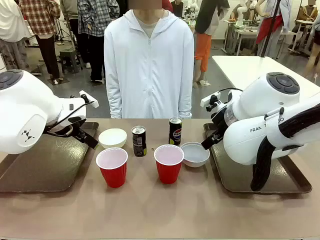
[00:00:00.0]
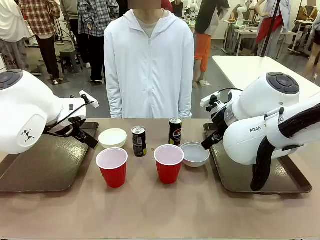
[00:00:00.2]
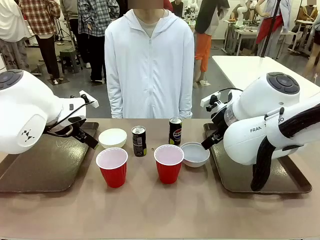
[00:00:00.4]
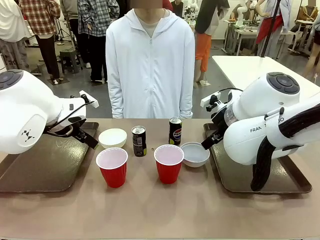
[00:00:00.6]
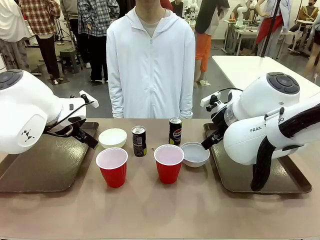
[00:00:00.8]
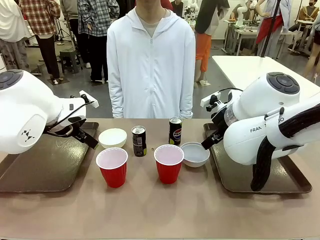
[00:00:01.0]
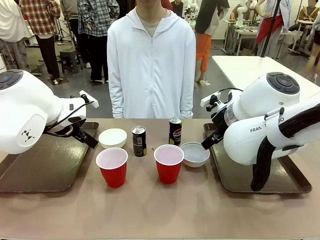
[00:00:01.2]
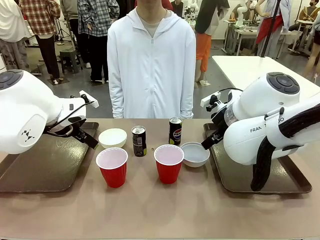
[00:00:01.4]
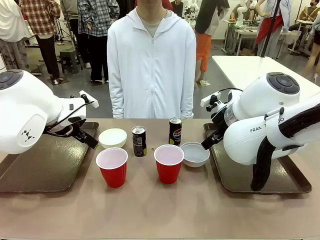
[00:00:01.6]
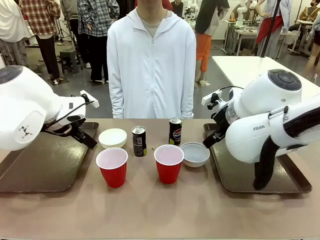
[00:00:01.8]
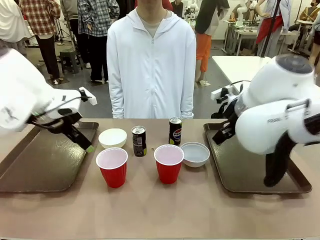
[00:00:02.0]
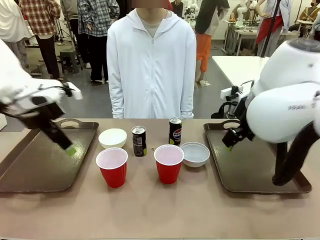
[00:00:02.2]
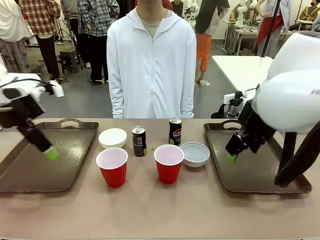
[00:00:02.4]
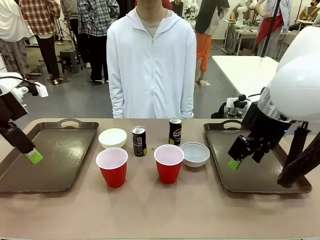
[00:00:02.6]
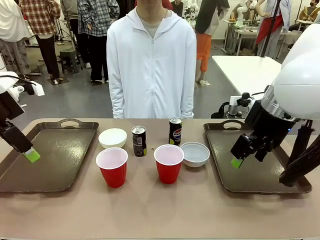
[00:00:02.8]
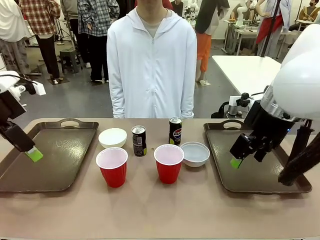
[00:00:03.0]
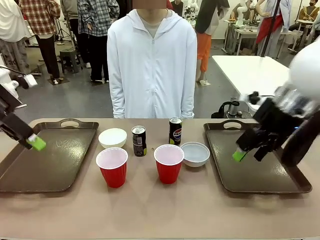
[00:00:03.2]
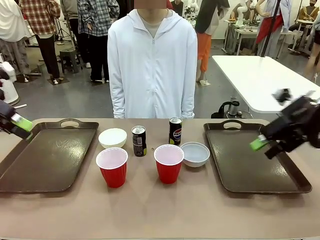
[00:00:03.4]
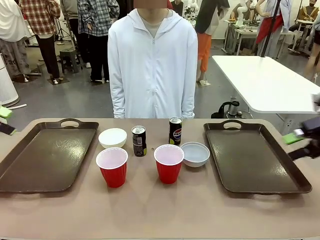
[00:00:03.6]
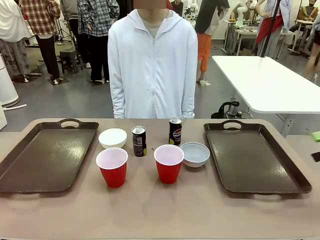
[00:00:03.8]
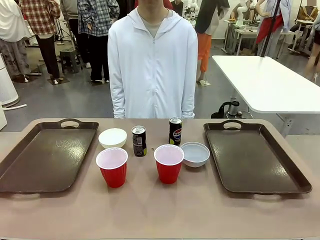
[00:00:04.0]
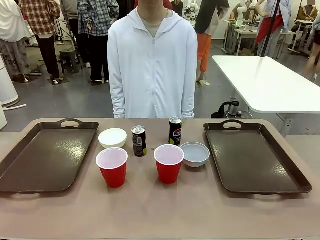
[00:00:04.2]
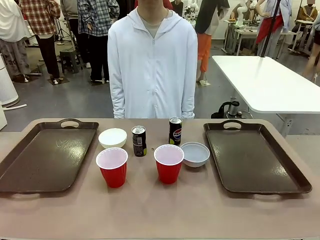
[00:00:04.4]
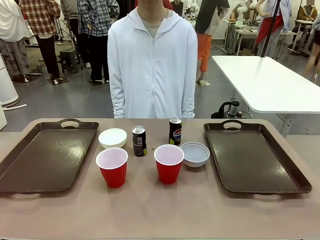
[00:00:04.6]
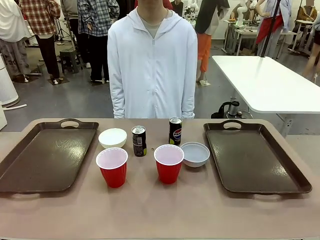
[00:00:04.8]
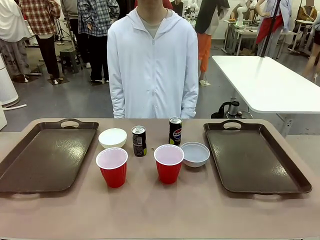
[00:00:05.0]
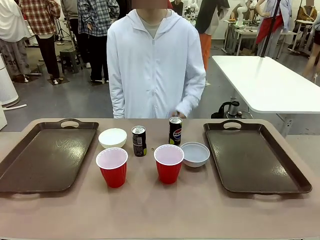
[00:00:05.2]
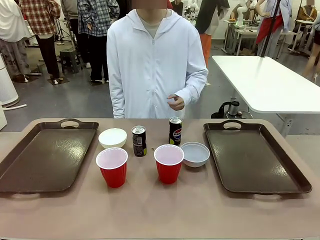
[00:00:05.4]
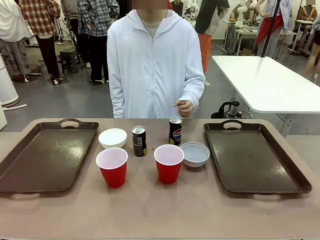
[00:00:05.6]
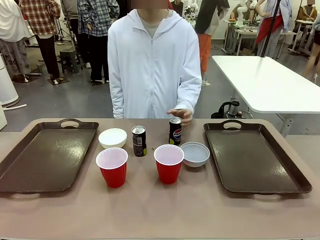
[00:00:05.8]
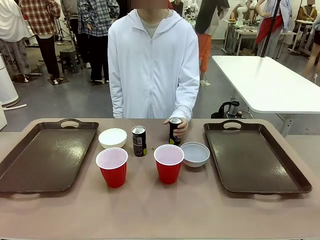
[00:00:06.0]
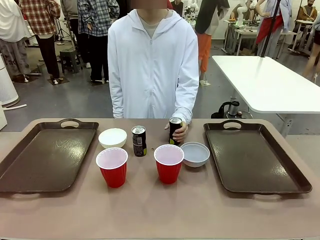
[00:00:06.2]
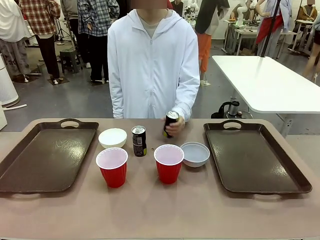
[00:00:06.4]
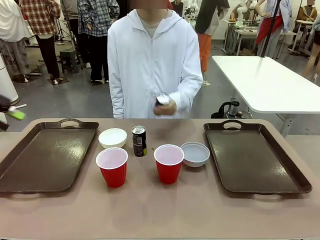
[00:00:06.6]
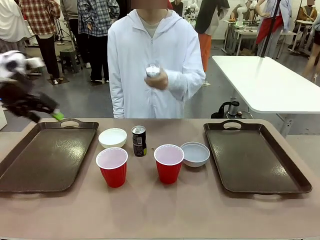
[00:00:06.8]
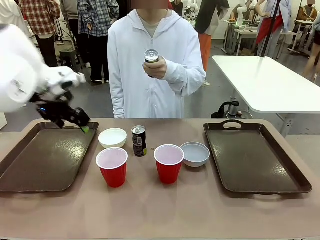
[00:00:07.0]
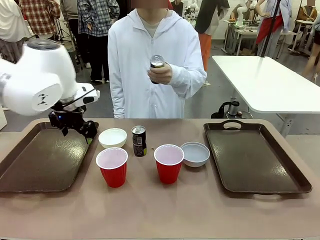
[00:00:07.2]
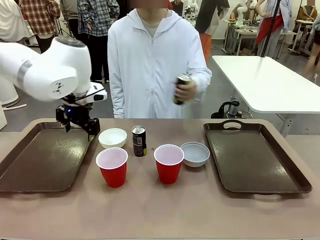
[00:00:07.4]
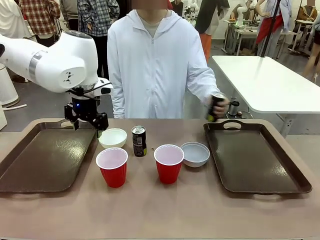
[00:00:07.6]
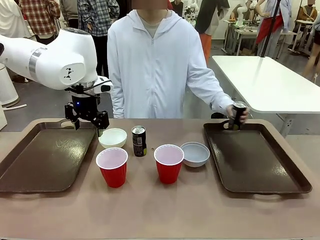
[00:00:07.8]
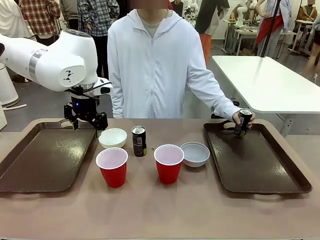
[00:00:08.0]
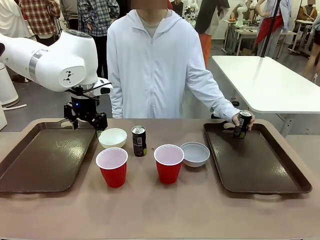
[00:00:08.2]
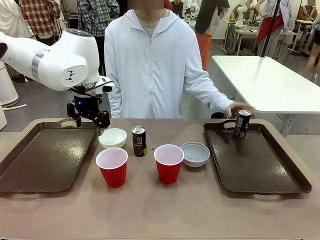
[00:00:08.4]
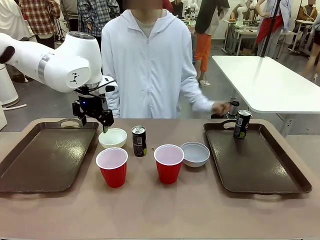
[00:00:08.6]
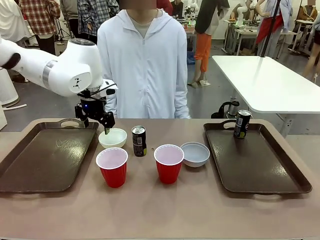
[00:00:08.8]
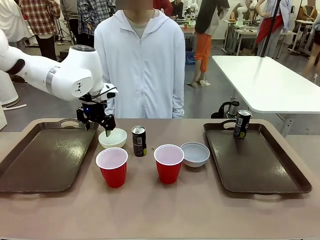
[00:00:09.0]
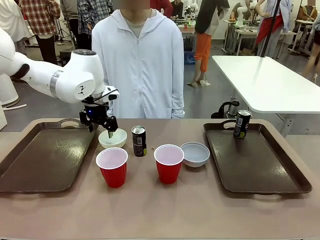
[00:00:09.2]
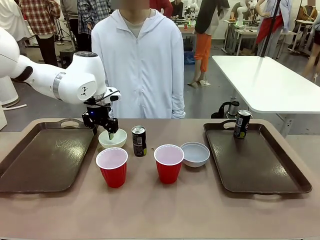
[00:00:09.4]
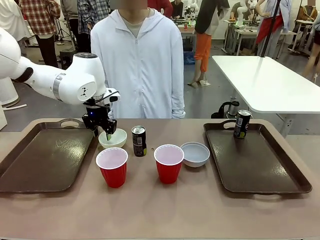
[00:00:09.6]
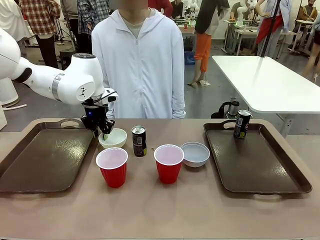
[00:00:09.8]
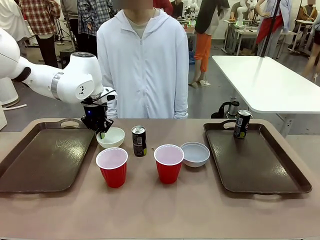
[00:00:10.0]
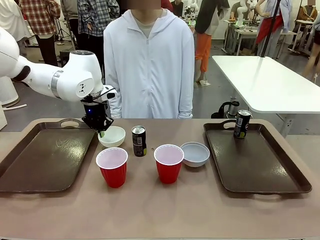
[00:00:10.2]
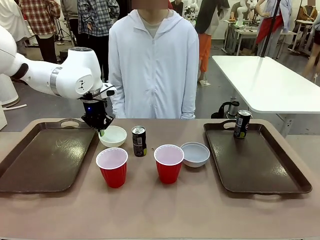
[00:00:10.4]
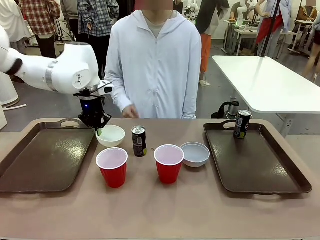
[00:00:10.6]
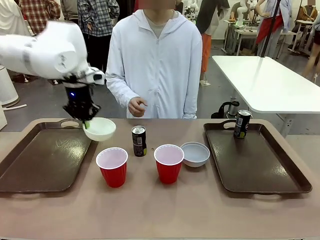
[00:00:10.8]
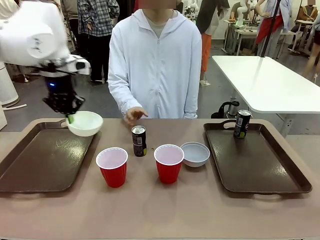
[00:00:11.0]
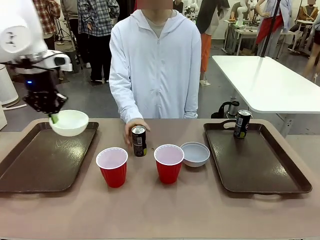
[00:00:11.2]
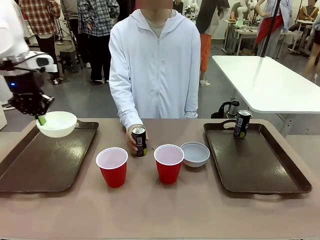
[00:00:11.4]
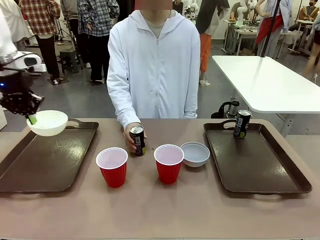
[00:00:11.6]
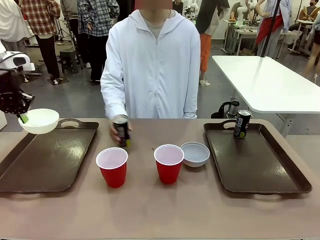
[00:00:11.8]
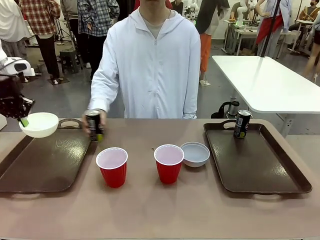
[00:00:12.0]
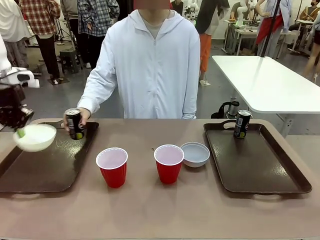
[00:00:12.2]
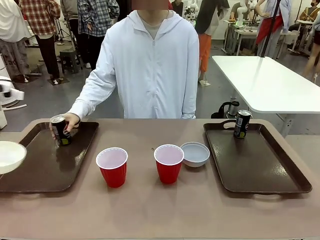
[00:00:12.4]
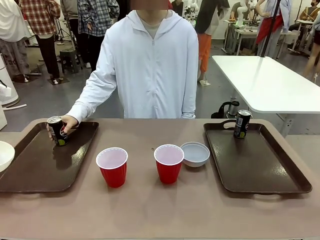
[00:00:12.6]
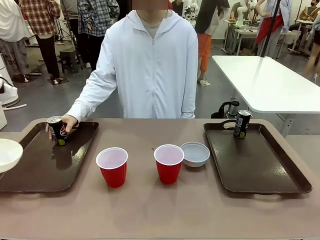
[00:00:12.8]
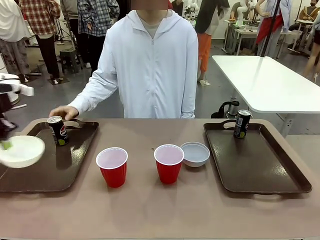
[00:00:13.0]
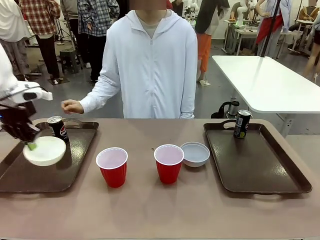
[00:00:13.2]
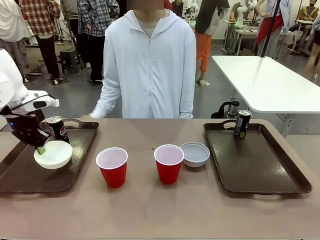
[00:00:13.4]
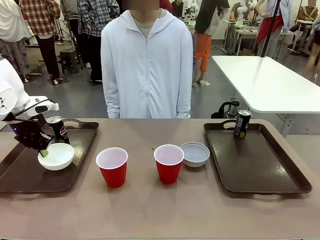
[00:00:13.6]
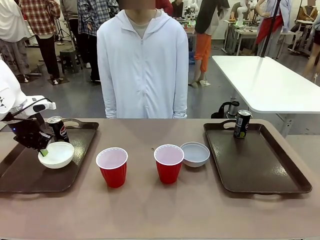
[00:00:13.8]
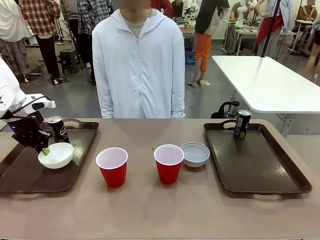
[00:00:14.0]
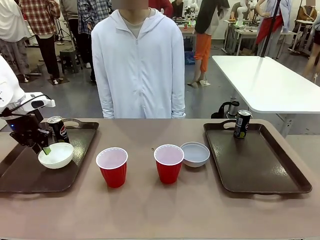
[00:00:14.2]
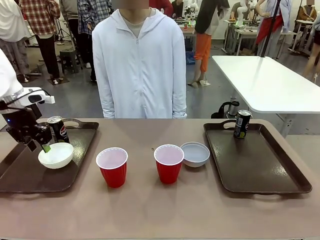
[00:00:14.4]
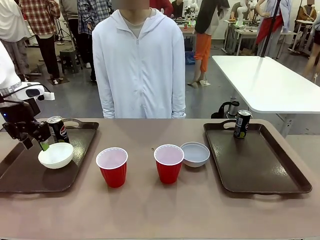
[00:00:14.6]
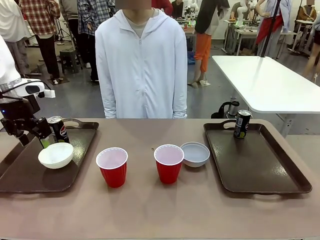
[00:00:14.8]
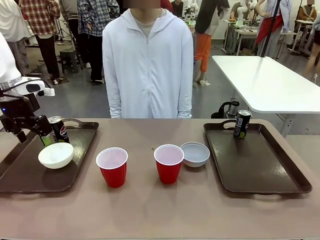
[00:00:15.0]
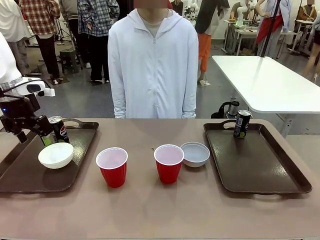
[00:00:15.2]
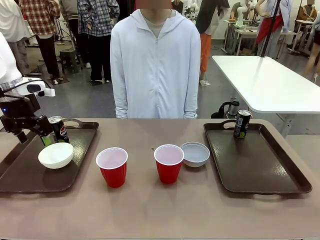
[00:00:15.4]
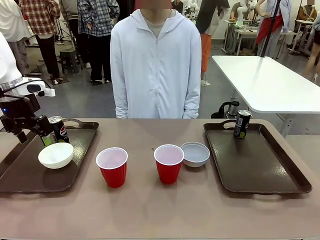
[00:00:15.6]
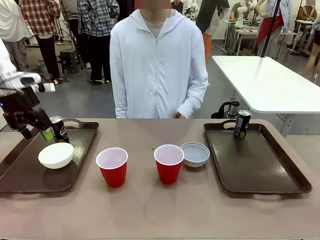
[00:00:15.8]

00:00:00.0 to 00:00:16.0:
Task: Prepare tableware on both trays.
Robot: Pick up a Picnic Bowl from the table and place it on a Handle tray.
Person: Pick up a can or cup and place it on the tray.
